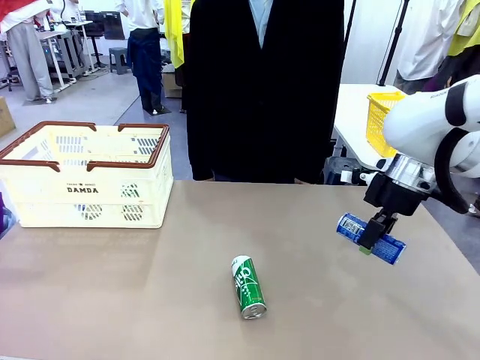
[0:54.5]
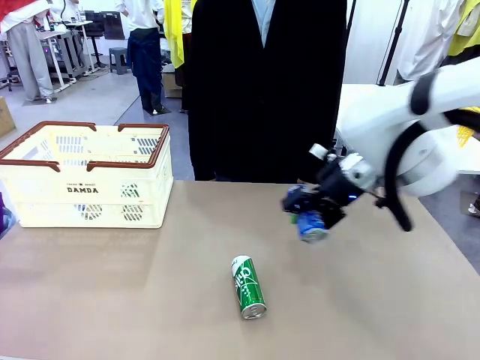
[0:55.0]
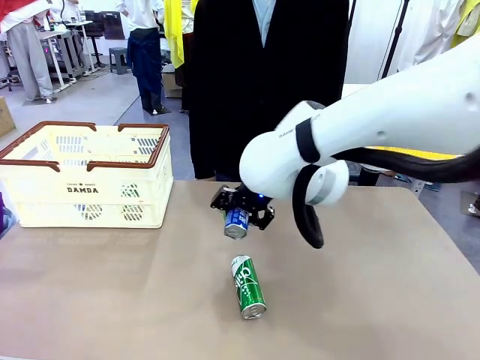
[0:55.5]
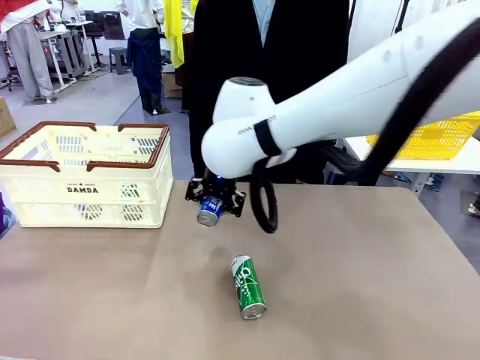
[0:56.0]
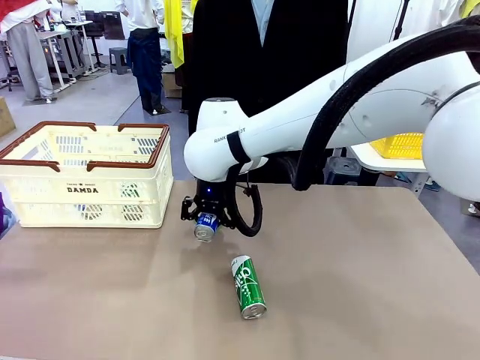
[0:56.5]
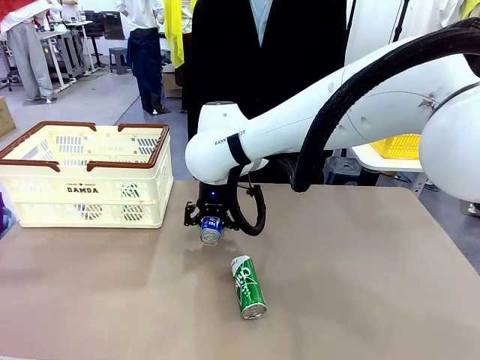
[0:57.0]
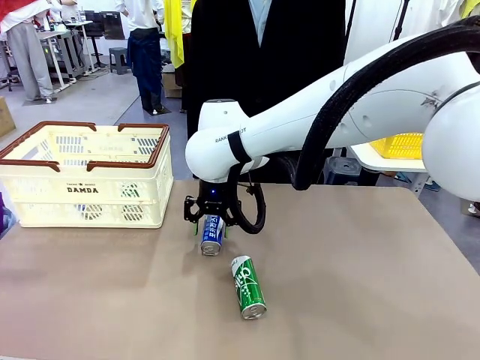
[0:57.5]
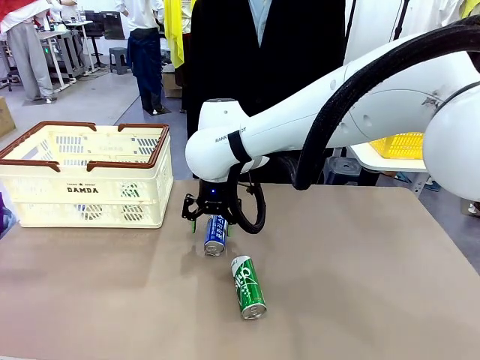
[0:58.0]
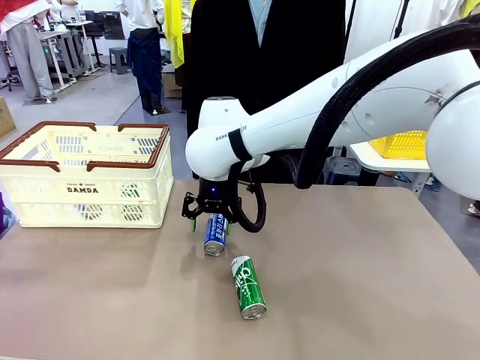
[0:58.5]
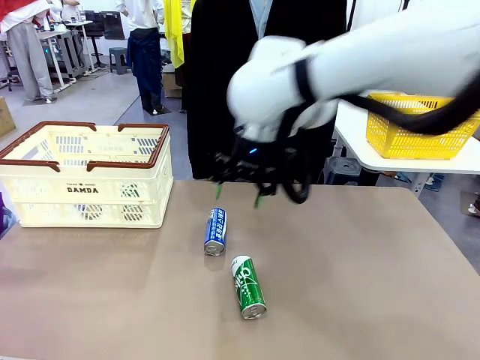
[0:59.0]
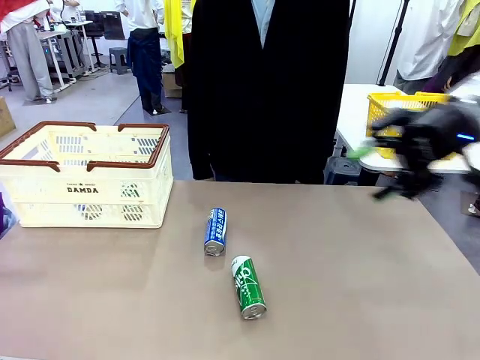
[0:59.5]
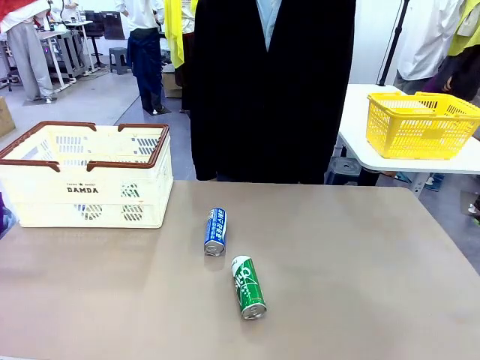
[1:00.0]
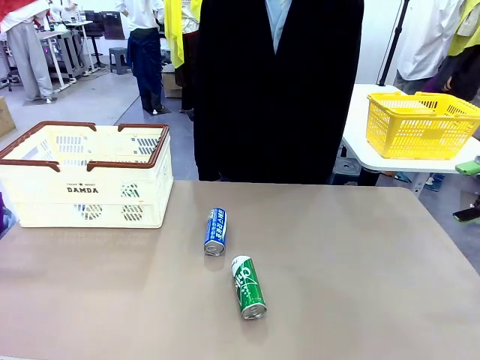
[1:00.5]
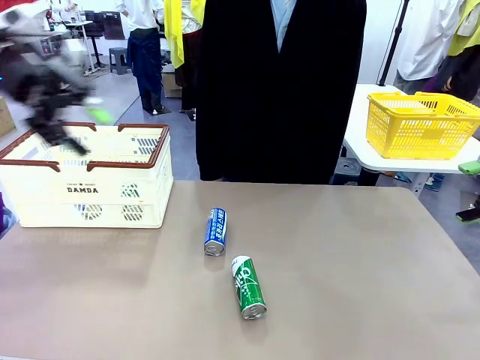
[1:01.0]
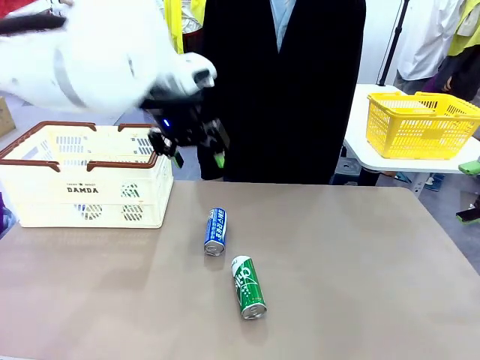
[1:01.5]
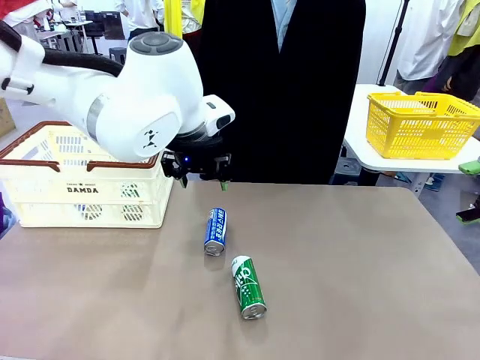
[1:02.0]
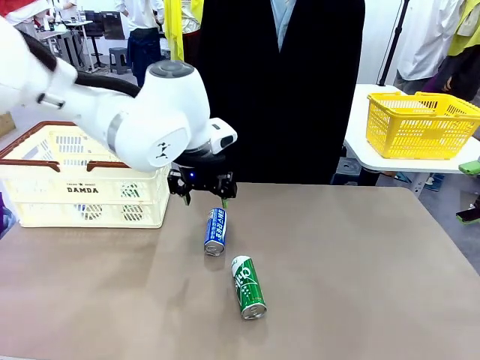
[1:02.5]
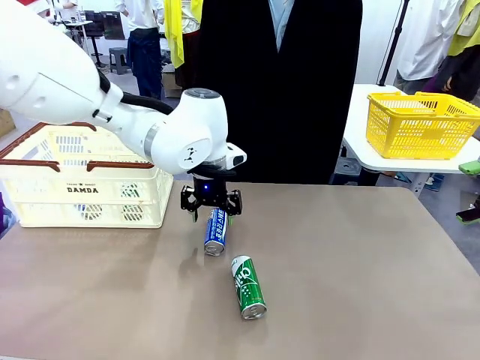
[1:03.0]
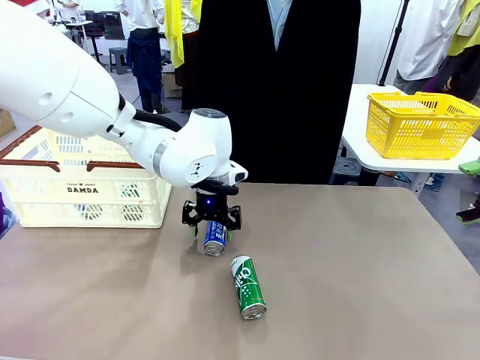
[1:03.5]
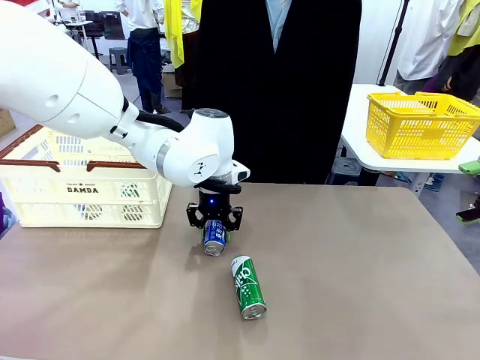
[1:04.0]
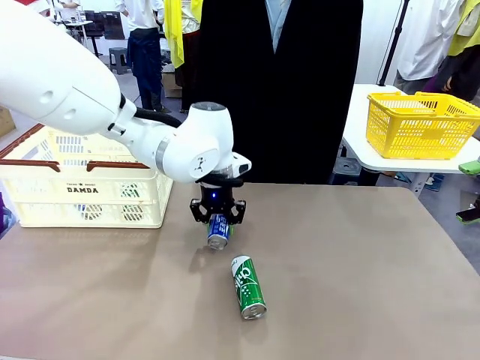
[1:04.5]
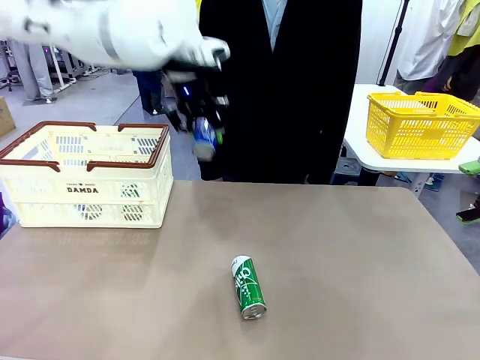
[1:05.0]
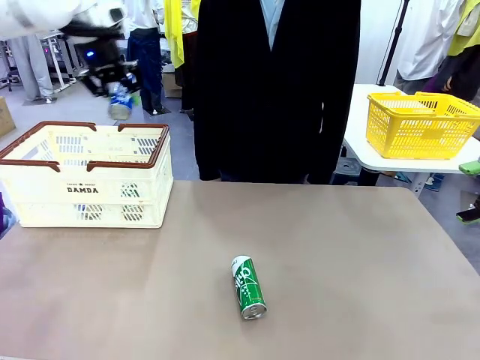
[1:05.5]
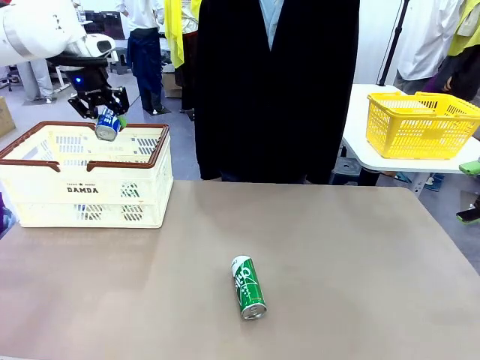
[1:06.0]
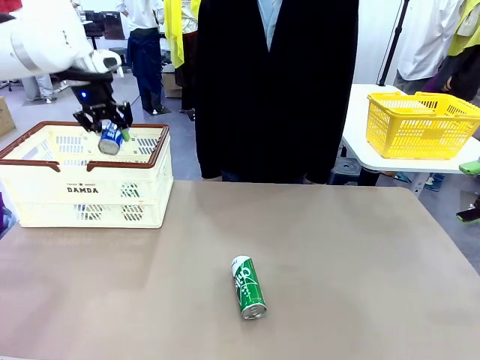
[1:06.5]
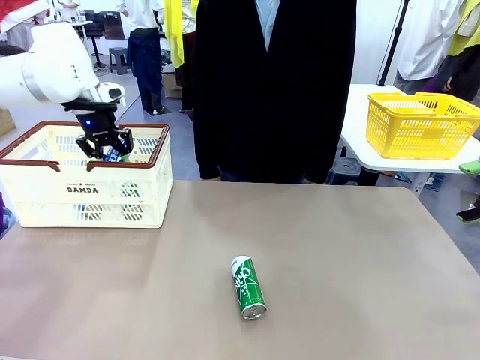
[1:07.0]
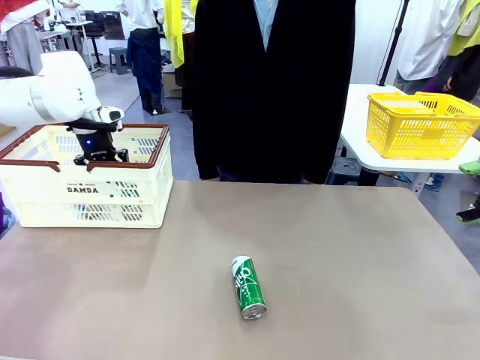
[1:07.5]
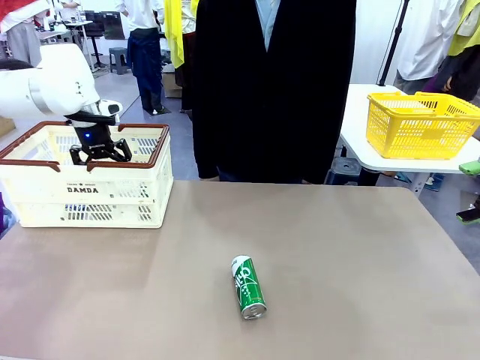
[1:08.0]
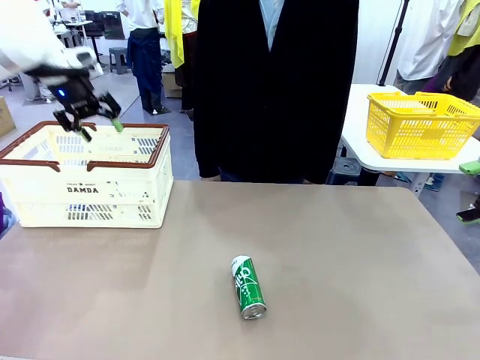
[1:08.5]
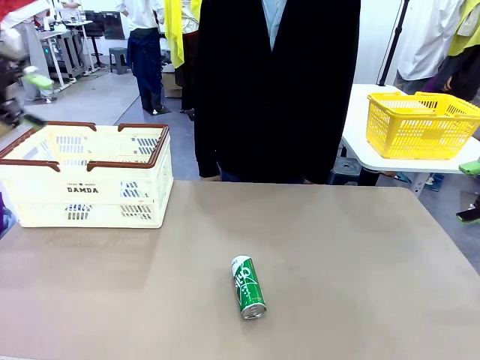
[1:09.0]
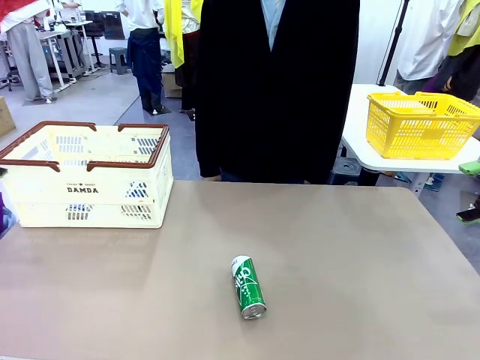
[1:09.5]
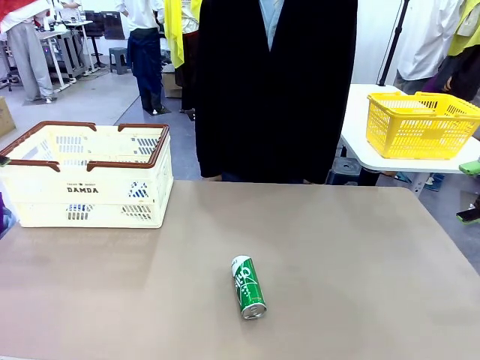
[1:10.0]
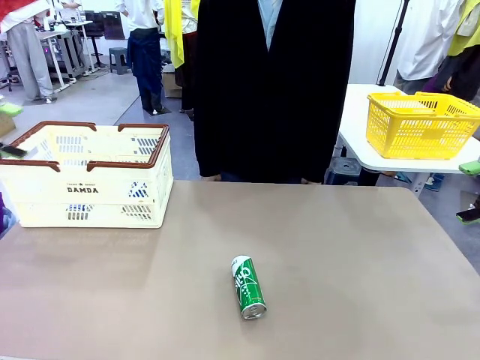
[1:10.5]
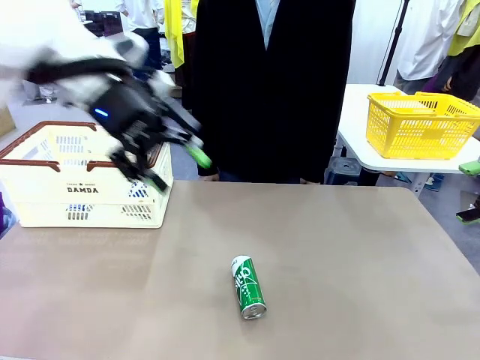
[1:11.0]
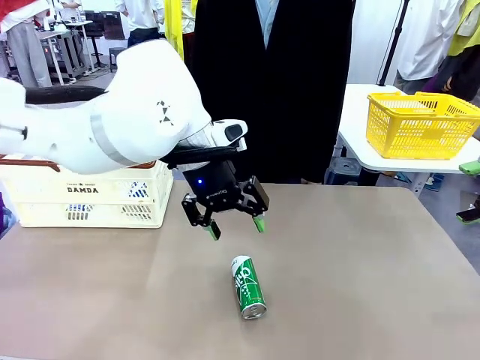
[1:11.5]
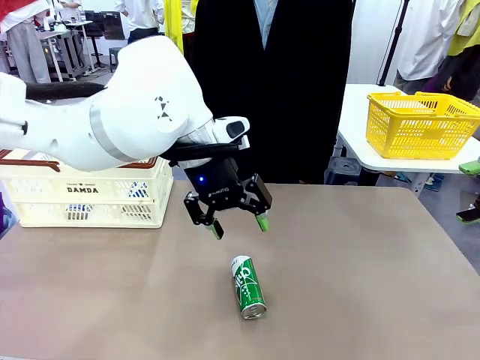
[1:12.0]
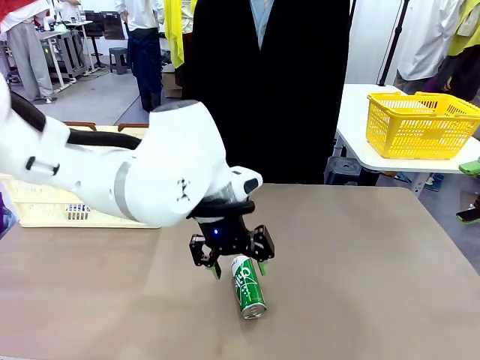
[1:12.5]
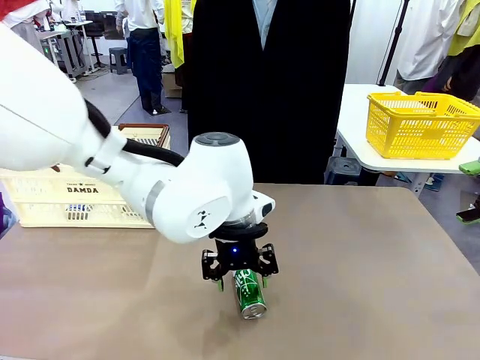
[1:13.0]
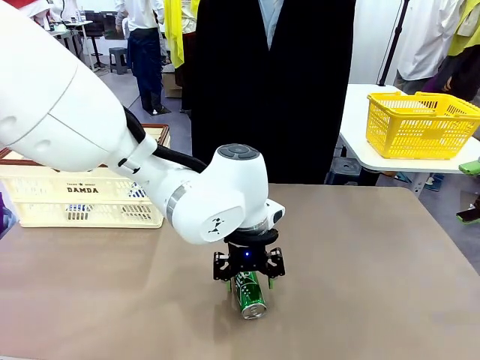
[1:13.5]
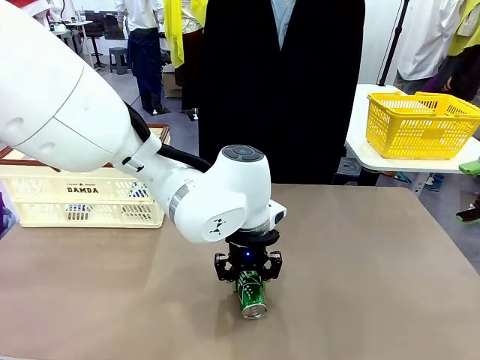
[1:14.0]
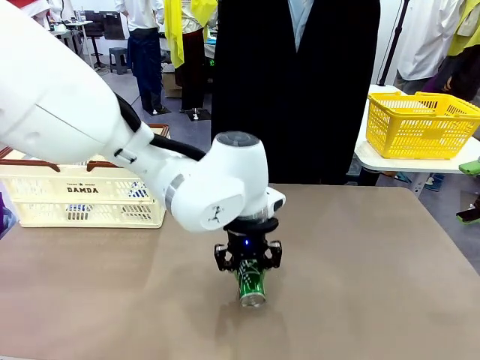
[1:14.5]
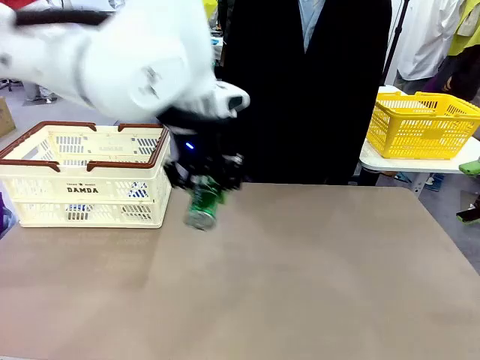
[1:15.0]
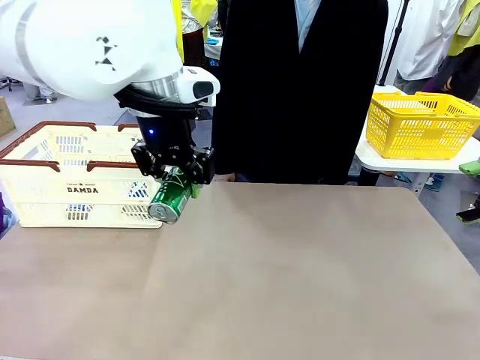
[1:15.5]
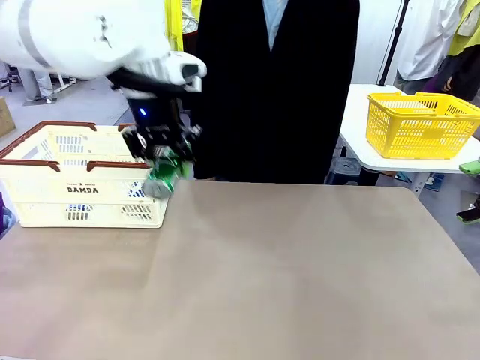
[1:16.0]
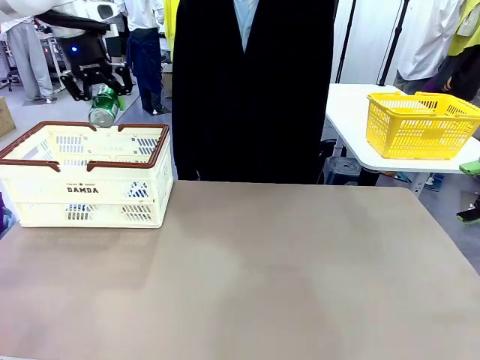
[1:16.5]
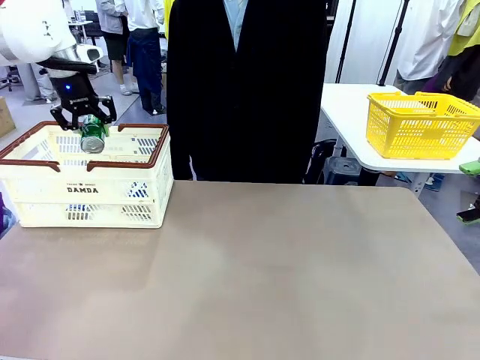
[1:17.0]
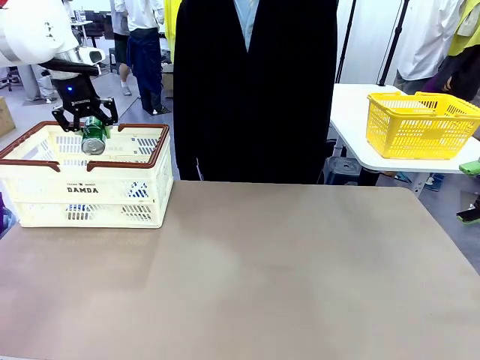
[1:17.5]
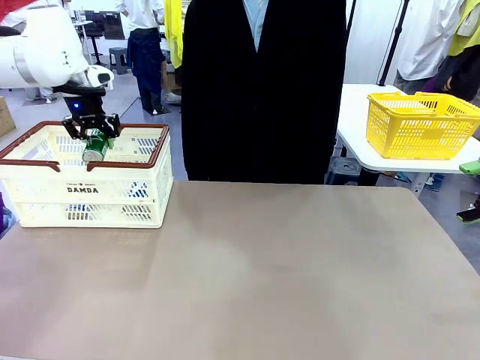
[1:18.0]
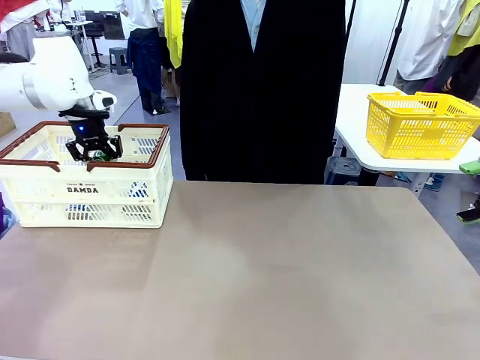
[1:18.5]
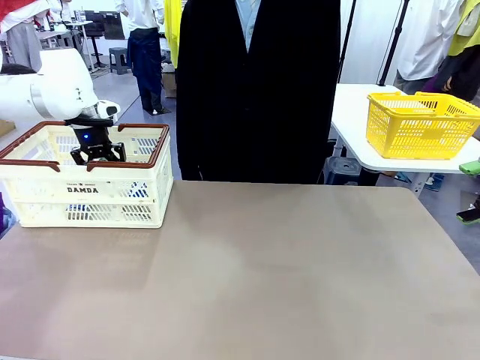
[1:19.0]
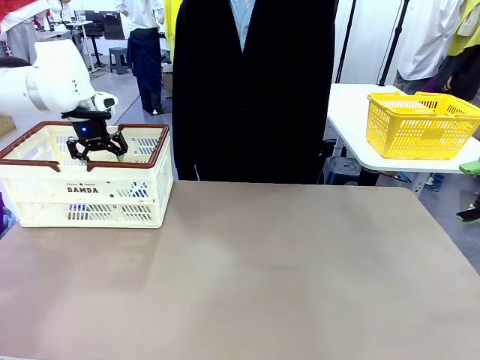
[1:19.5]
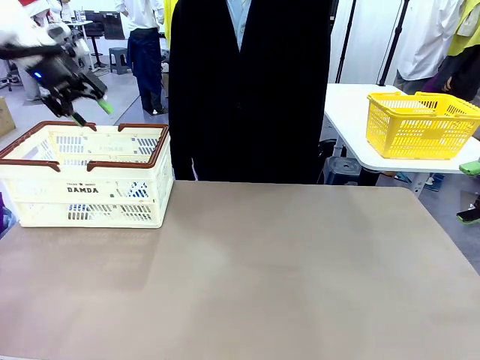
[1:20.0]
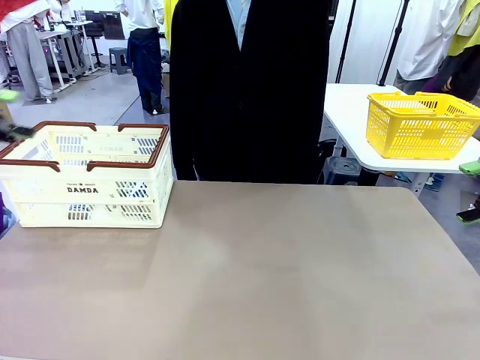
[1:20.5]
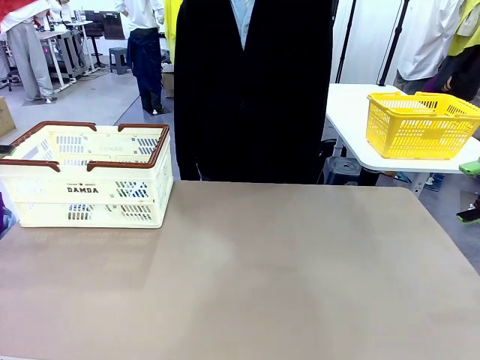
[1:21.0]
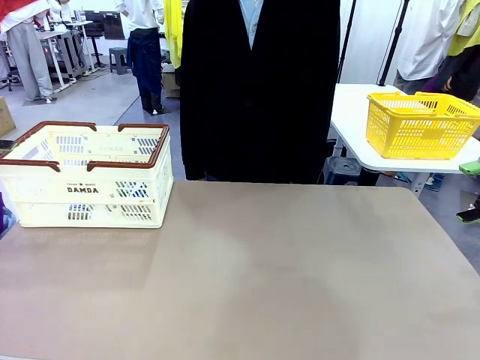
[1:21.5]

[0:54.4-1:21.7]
Task: Place the drinks into the Shopping basket.
Robot: Pick up one drink and place it into the Shopping basket.
